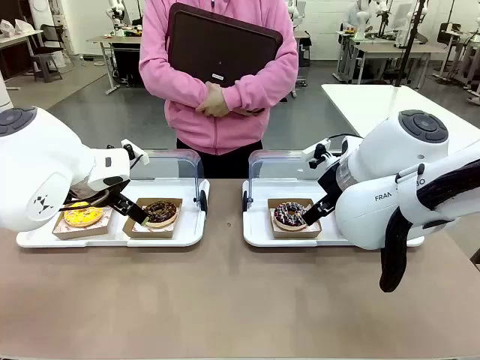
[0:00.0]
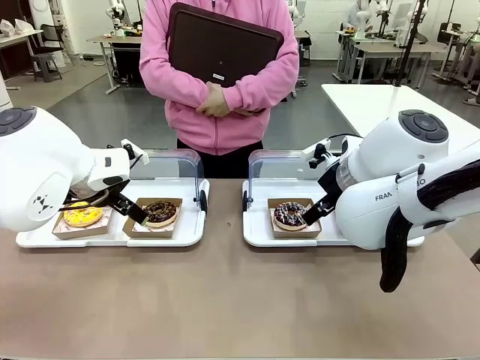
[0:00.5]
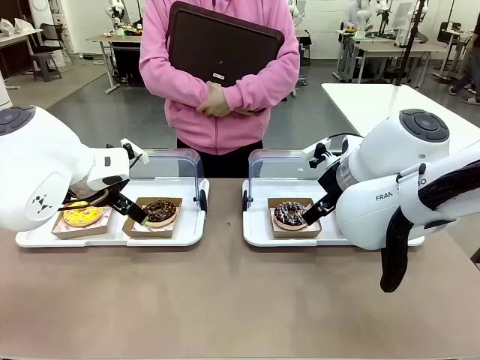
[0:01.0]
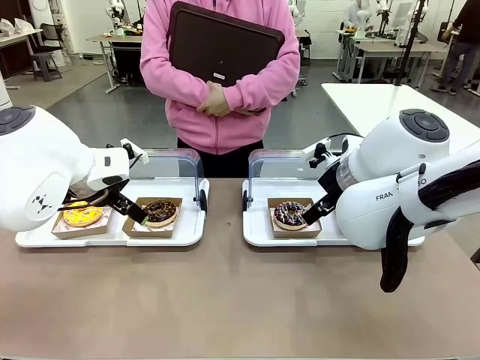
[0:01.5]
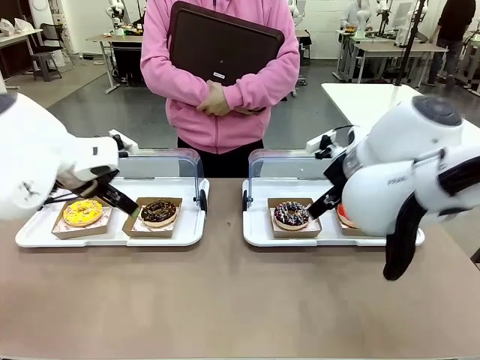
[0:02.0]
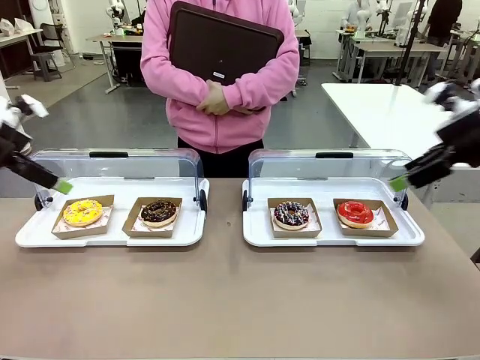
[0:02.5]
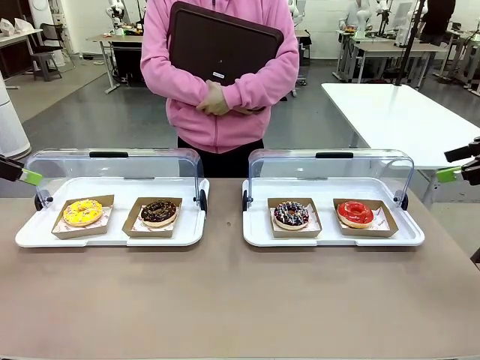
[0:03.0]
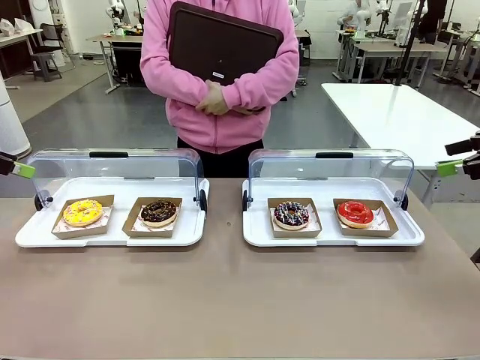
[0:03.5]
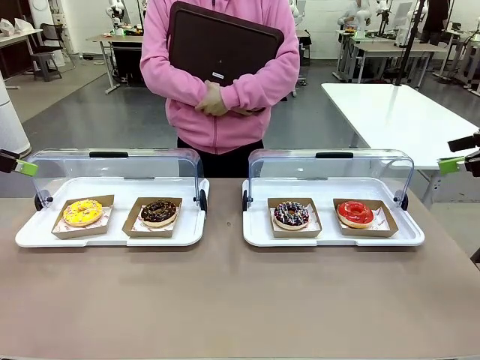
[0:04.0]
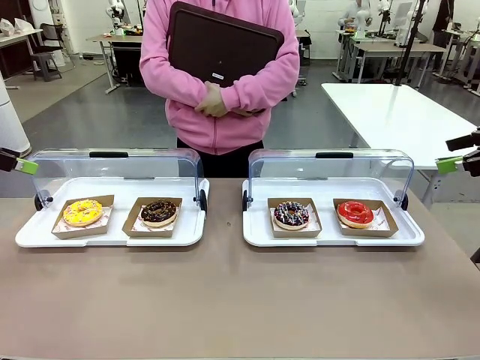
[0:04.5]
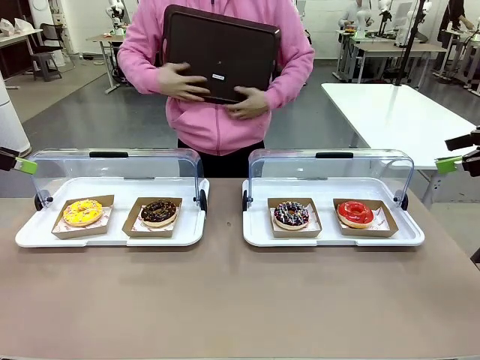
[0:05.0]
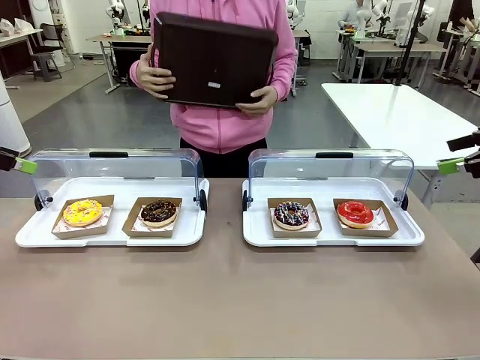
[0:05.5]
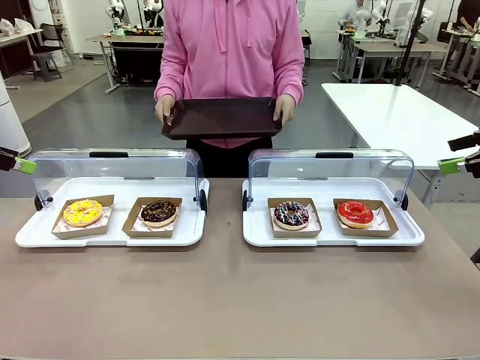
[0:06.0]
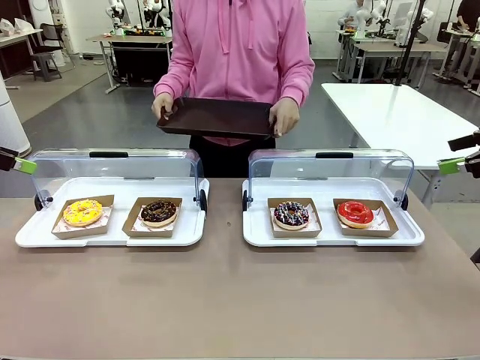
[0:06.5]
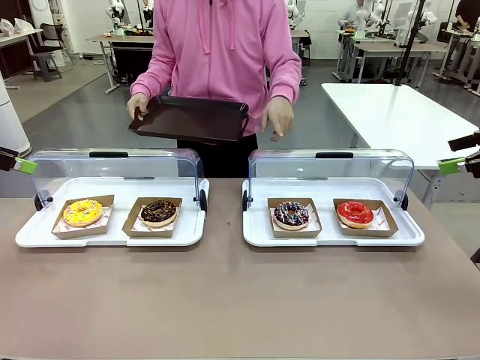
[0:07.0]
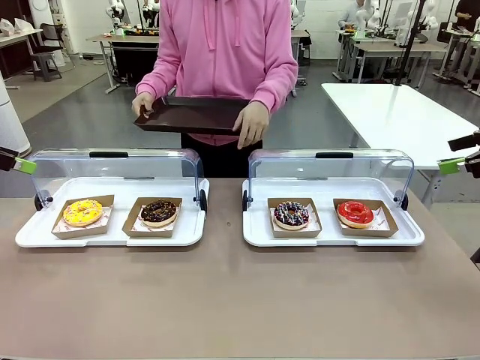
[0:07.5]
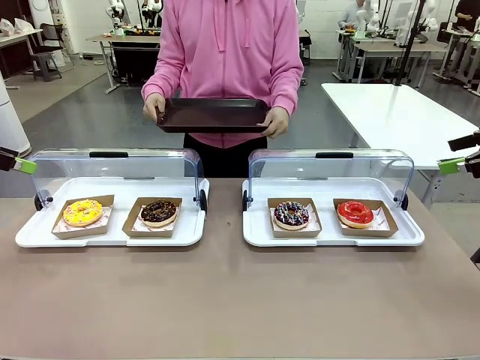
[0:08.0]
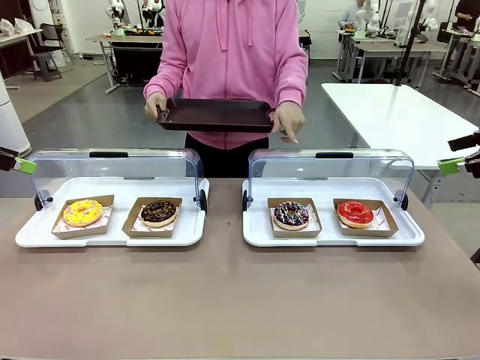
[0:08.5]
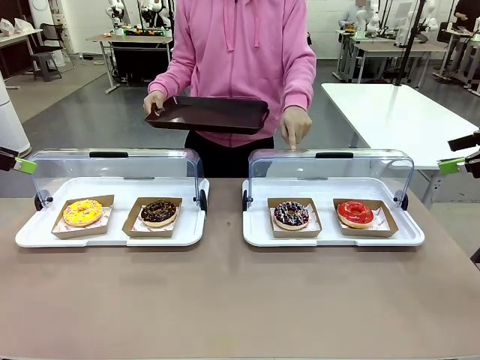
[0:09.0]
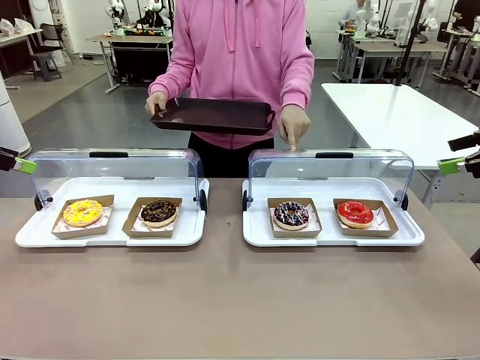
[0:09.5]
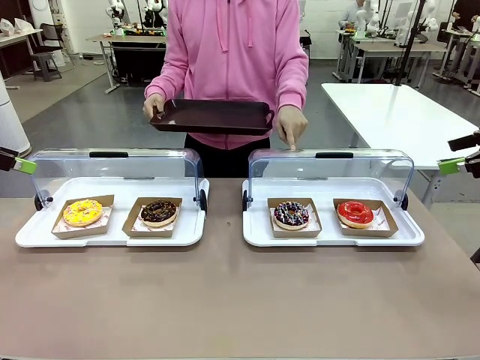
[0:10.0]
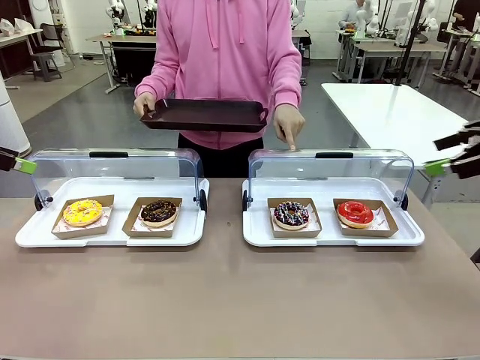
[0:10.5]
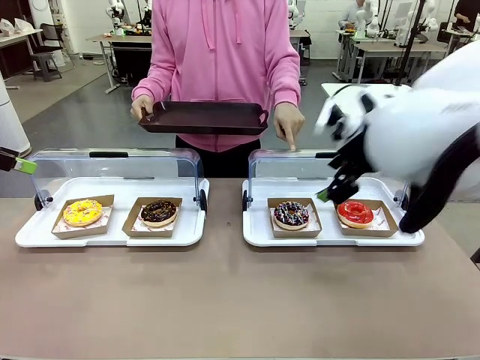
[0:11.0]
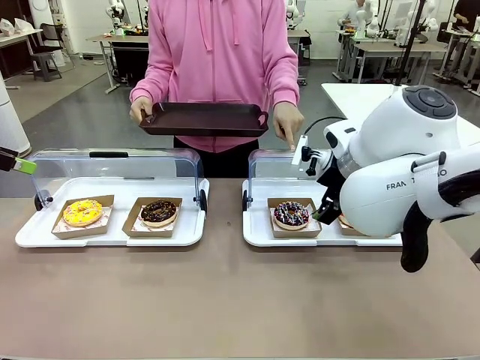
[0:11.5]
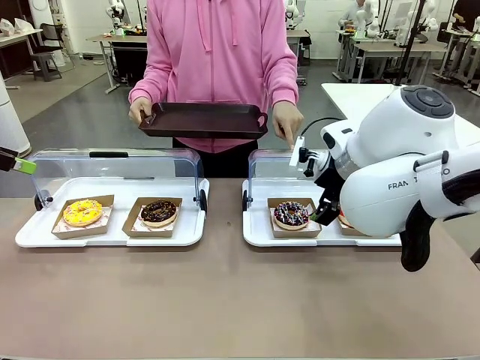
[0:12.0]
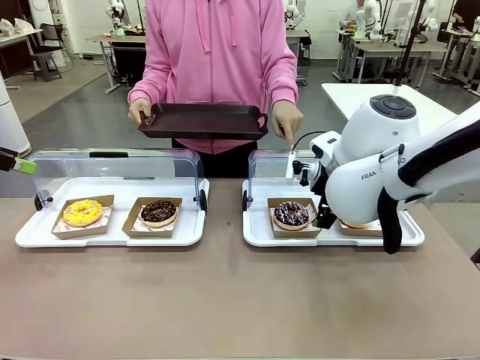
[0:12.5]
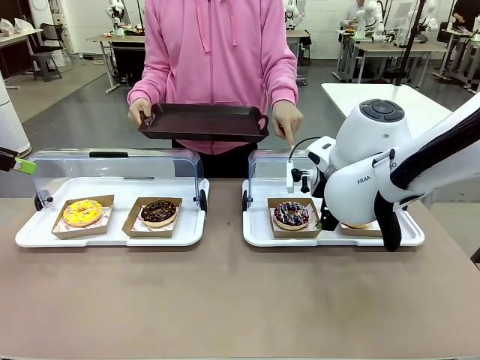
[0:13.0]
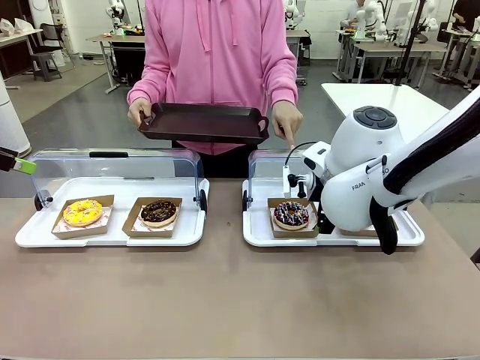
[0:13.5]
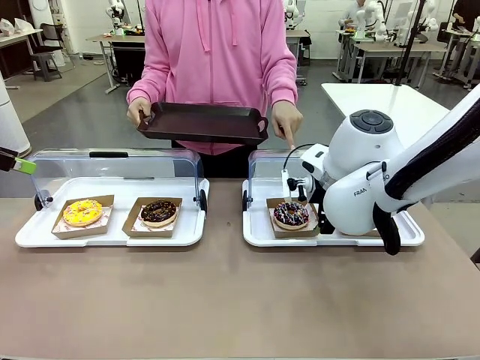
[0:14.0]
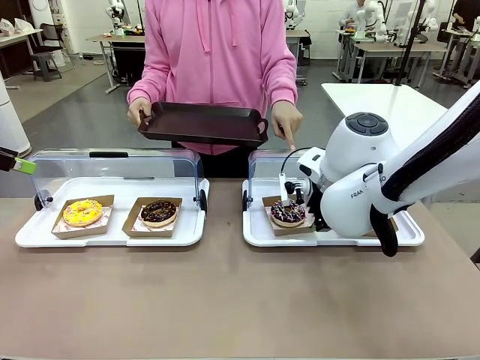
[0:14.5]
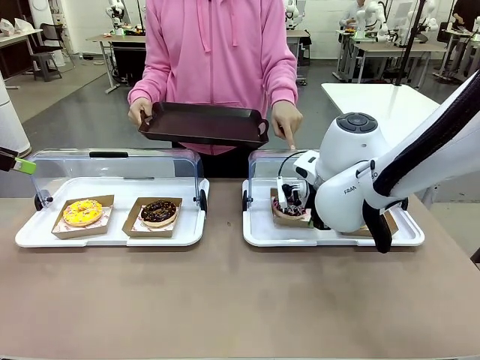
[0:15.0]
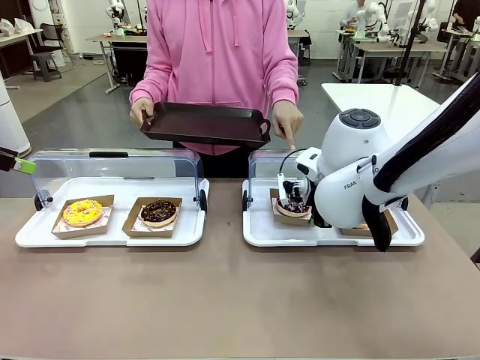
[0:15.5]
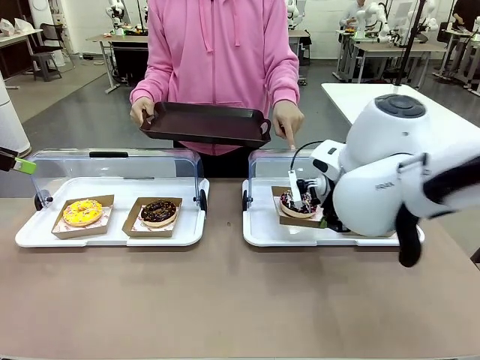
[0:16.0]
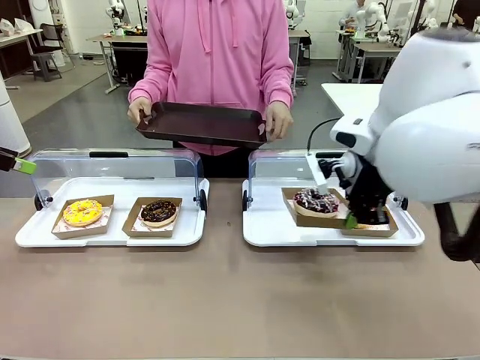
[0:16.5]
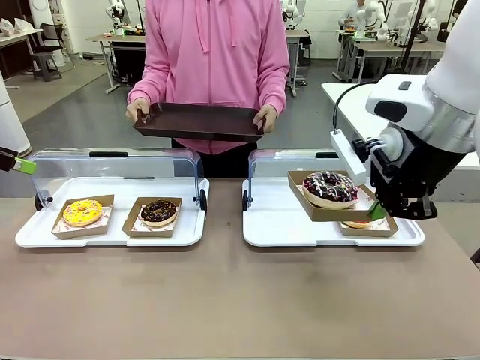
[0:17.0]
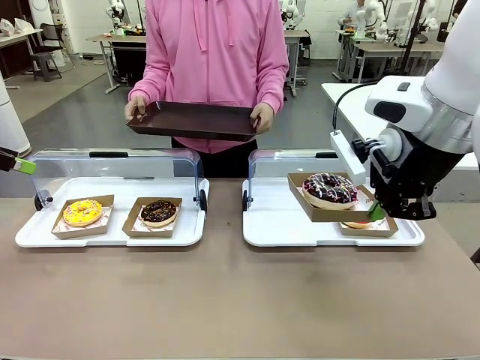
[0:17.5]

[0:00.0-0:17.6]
Task: Provide the desired donut to the person.
Robot: Pick up and lift the Paper togo box containing the Donut pointed at by the person.
Person: Point to one donut. Lift the tray onto the Roll-Top Bakery Case.

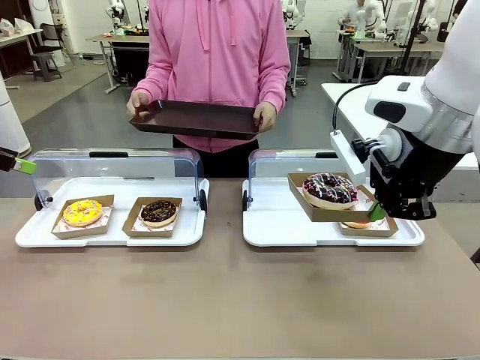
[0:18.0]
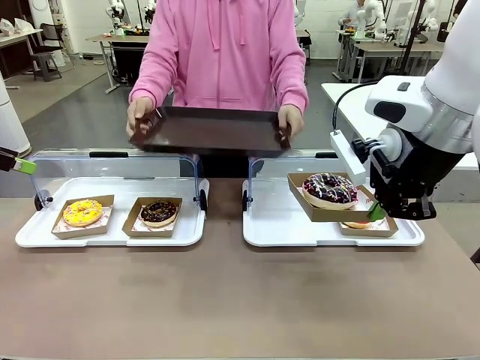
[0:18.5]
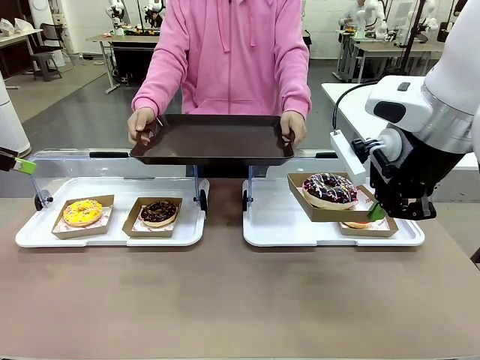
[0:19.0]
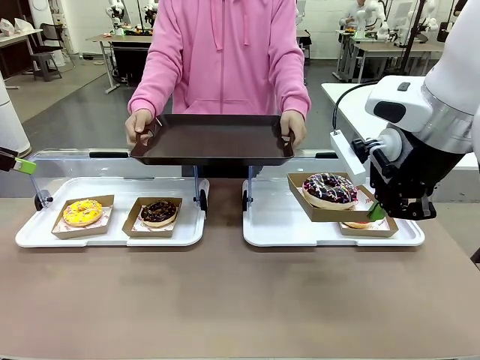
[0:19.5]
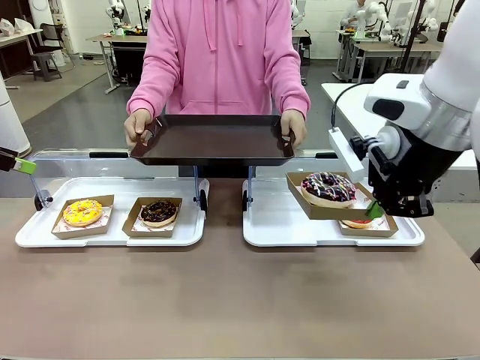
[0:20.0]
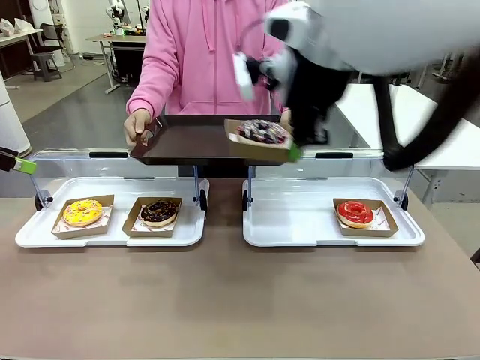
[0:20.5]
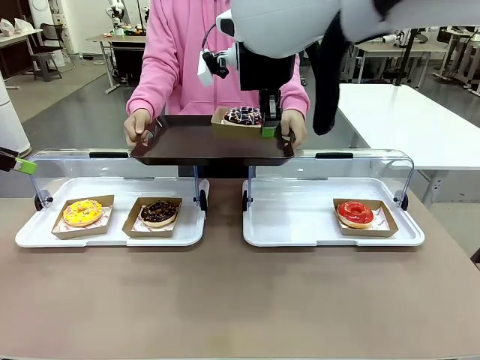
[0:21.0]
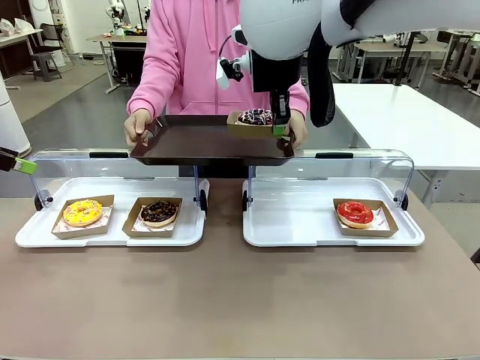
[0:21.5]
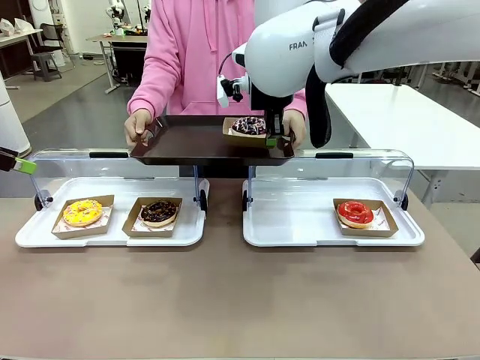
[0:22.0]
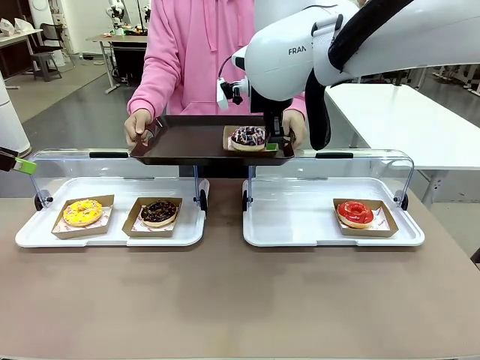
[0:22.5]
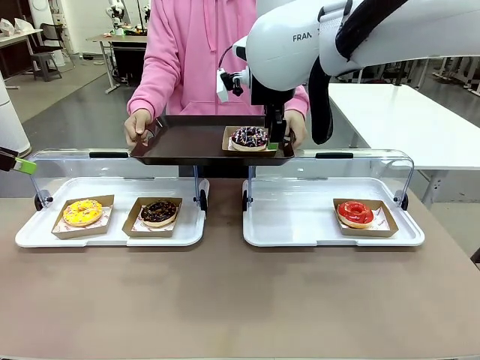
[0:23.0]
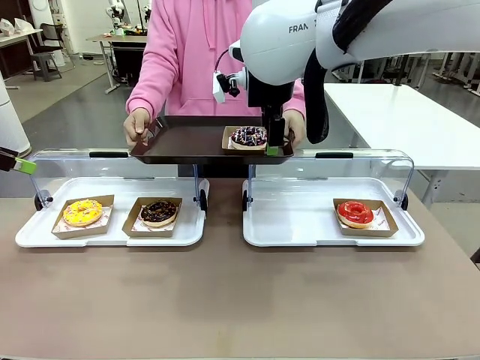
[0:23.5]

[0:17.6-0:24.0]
Robot: Place the picked Paper togo box onto the Handle tray extended by the person.
